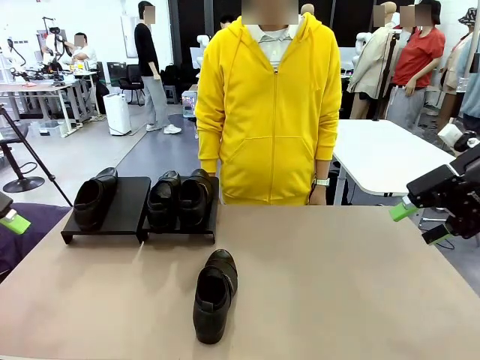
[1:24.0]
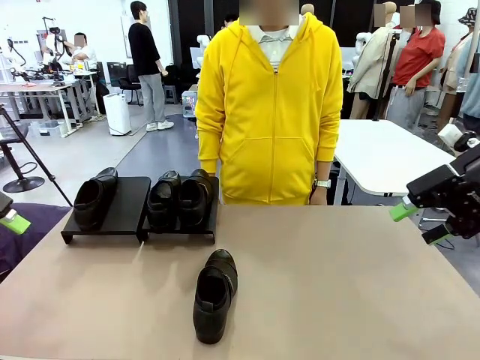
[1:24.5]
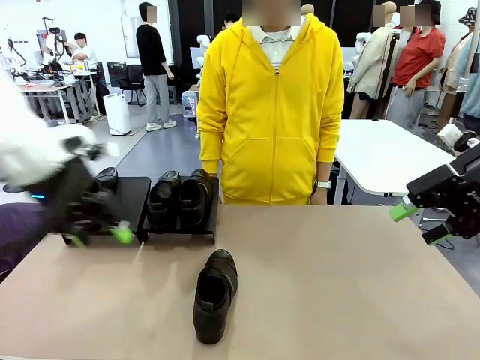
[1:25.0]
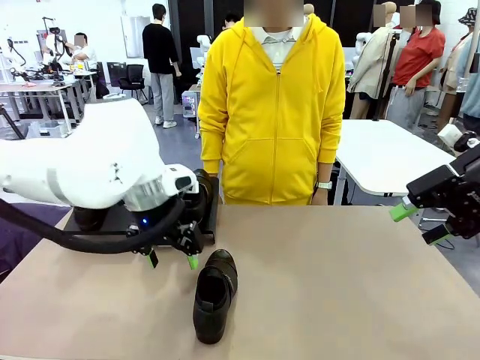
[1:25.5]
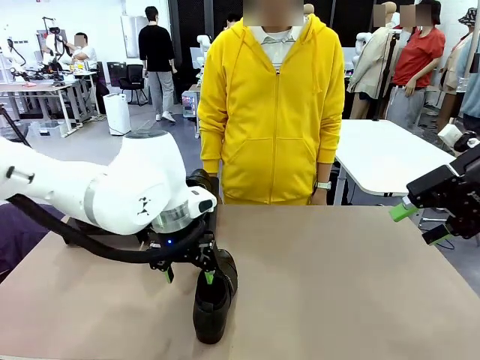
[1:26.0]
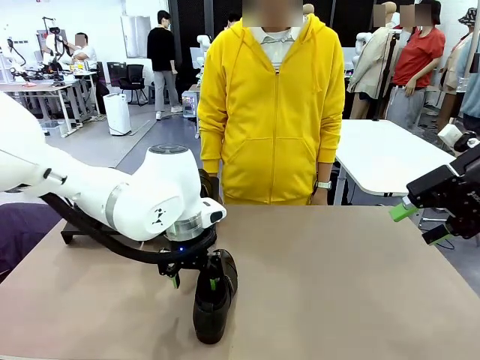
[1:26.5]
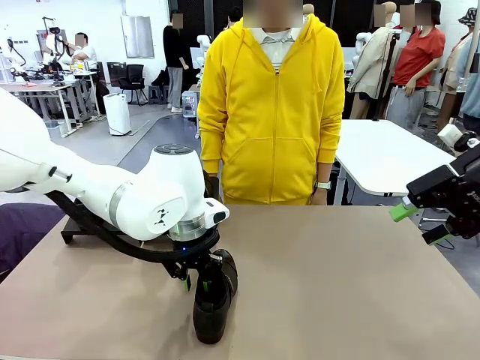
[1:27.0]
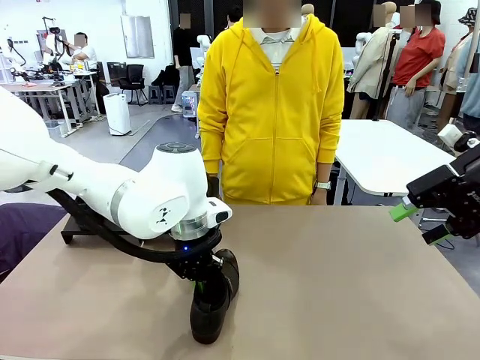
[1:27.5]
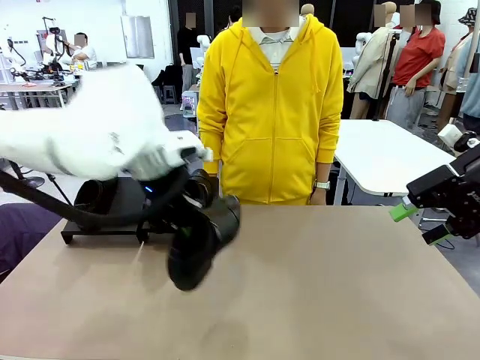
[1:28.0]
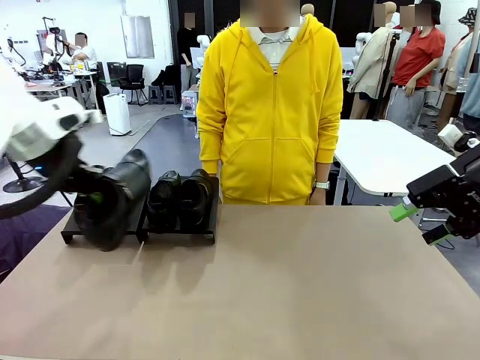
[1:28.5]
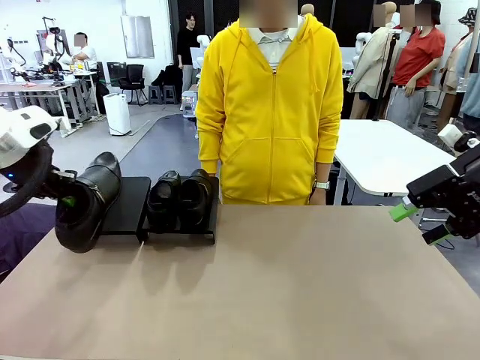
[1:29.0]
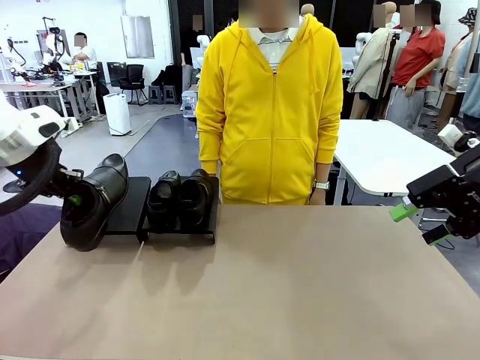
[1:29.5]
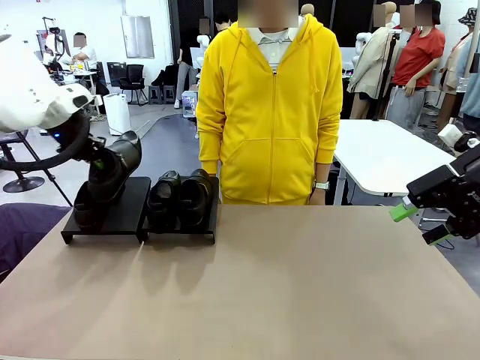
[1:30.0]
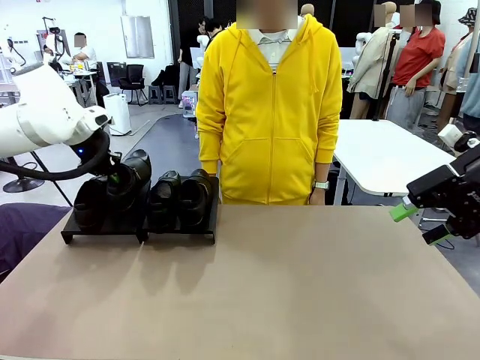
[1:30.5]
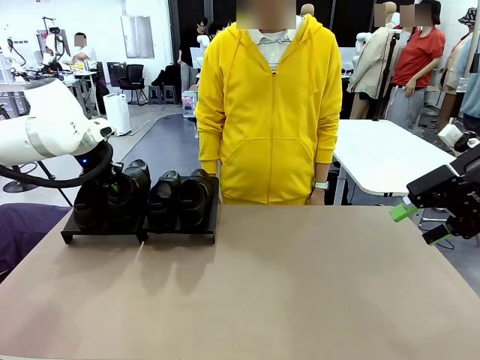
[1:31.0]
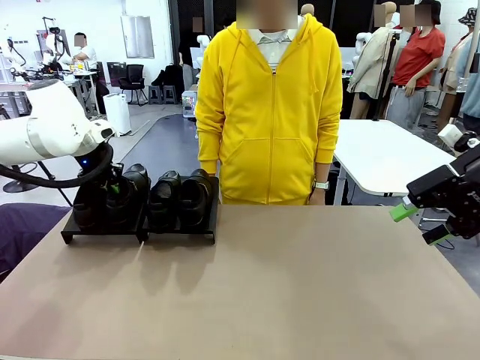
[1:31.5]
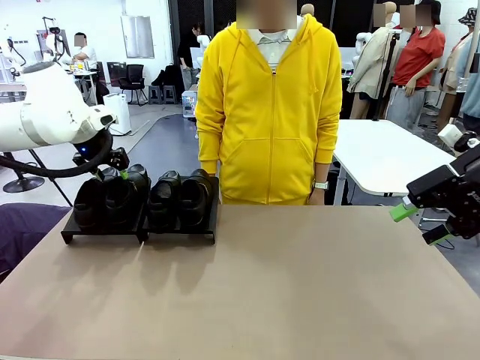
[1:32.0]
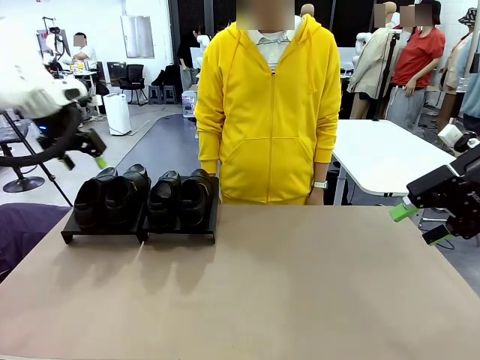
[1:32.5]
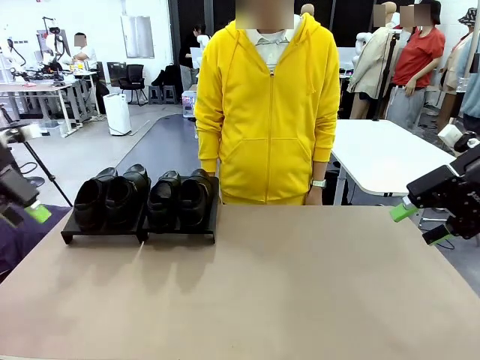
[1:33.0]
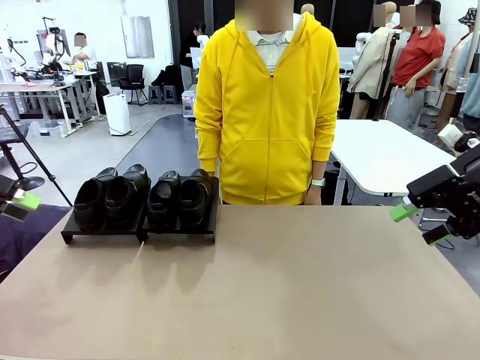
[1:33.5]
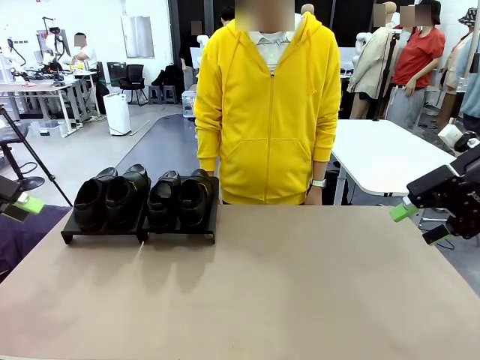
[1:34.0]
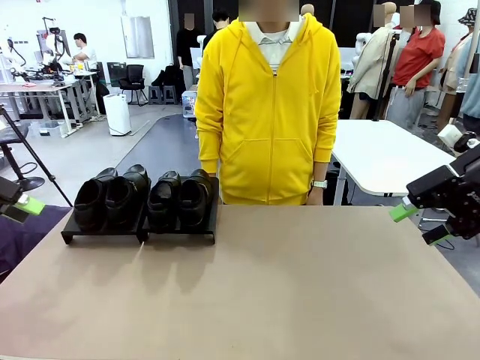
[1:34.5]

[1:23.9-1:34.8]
Task: Organize the shoes by placing them on the stand.
Robot: Place the Shoe from the middle of the table onto the Shoes Stand.

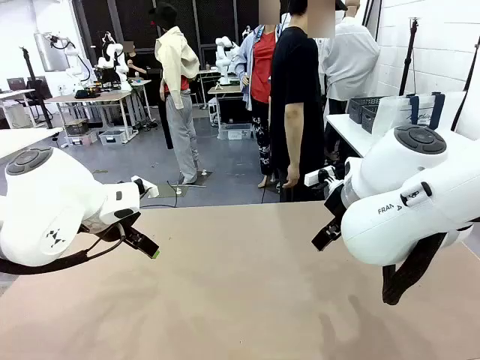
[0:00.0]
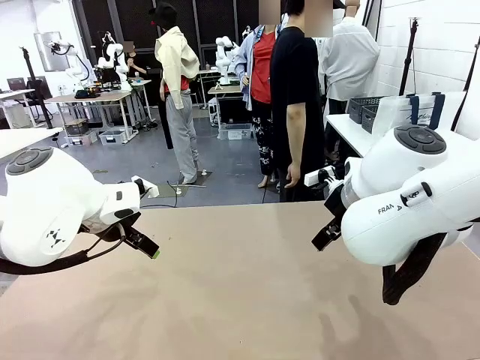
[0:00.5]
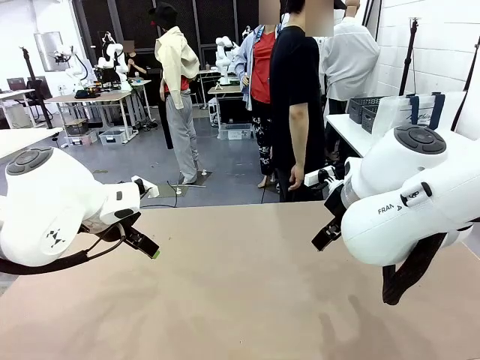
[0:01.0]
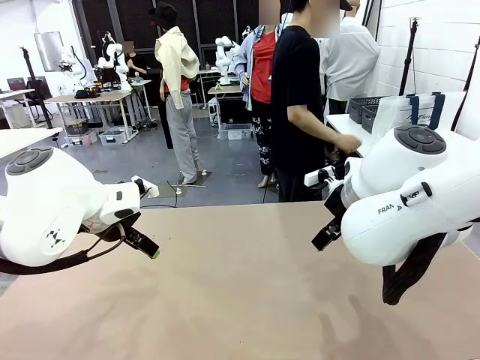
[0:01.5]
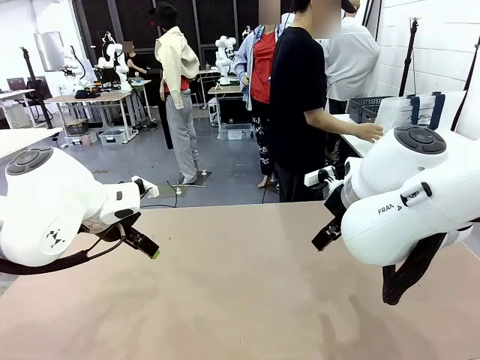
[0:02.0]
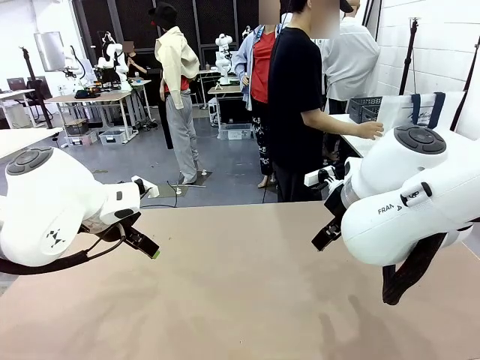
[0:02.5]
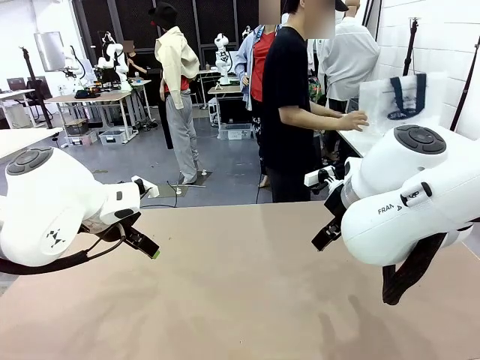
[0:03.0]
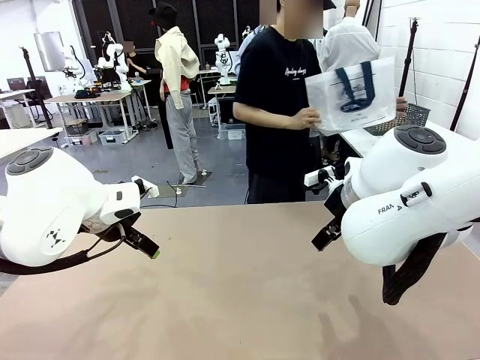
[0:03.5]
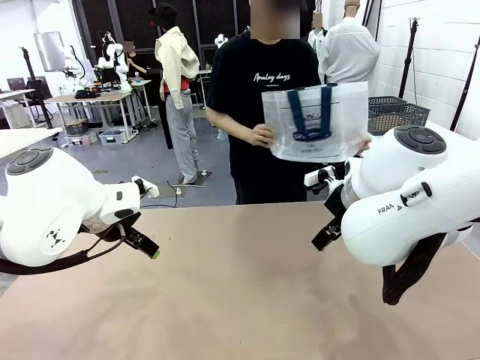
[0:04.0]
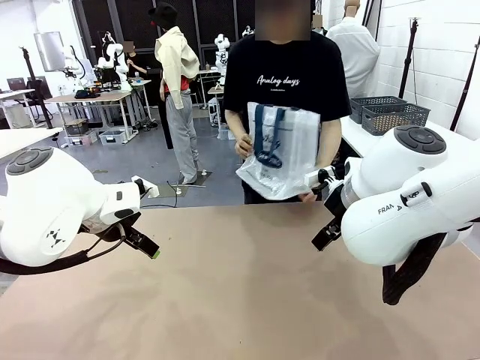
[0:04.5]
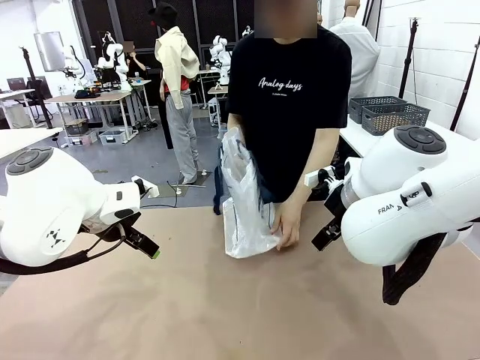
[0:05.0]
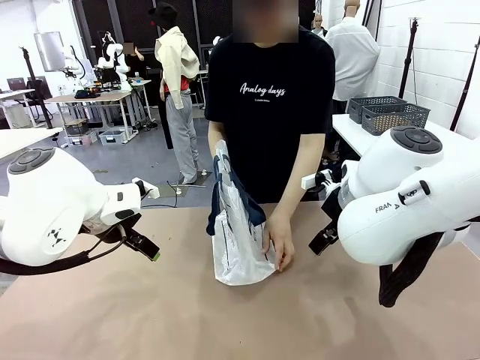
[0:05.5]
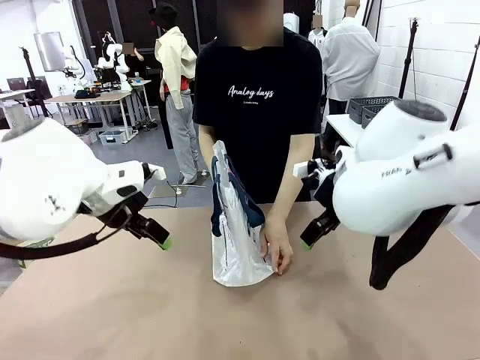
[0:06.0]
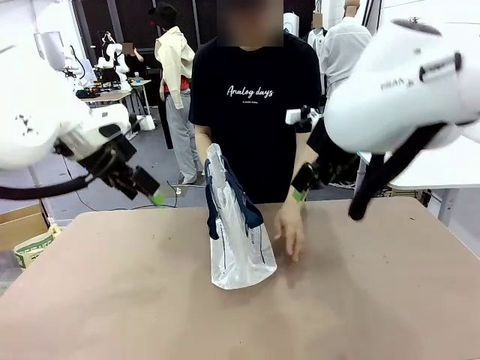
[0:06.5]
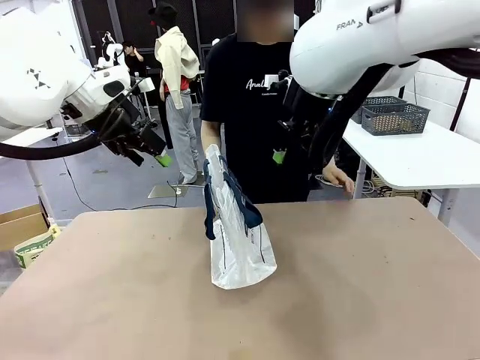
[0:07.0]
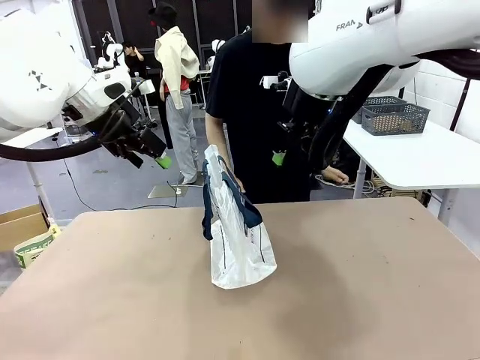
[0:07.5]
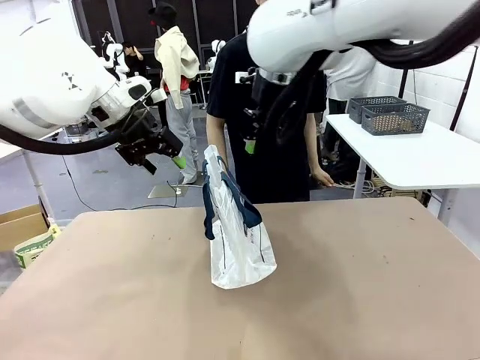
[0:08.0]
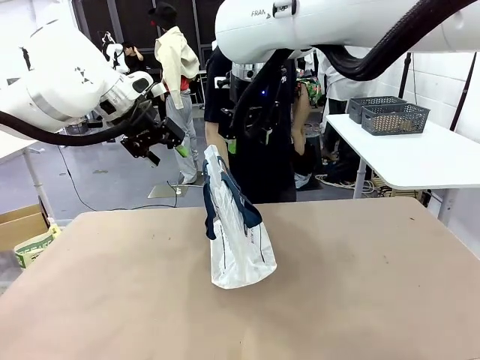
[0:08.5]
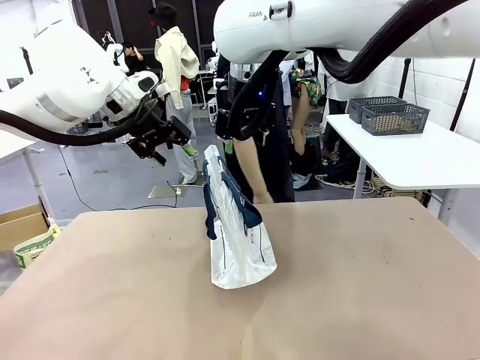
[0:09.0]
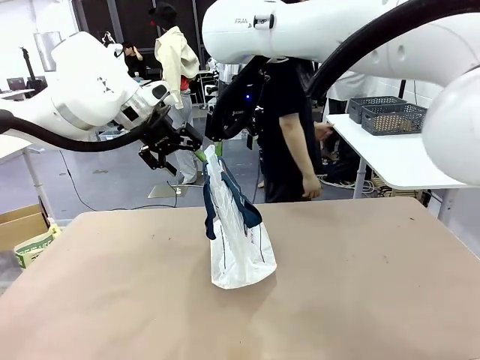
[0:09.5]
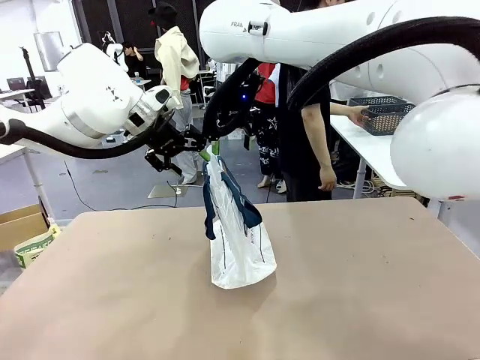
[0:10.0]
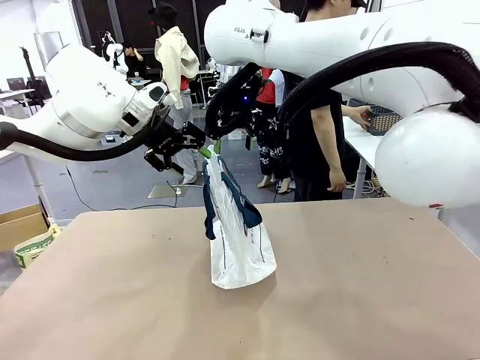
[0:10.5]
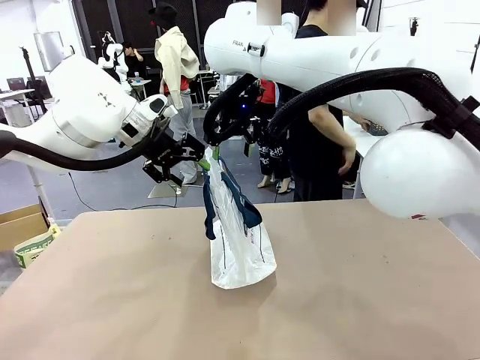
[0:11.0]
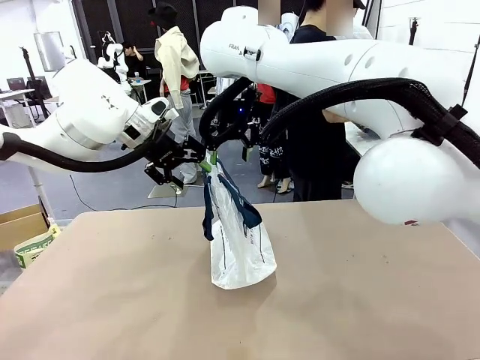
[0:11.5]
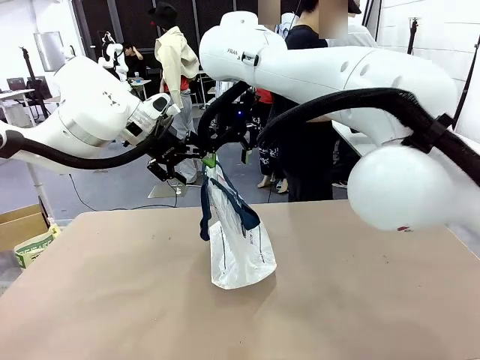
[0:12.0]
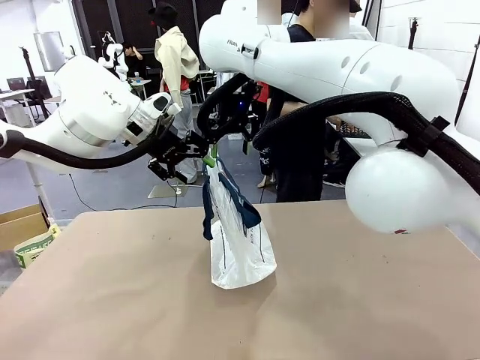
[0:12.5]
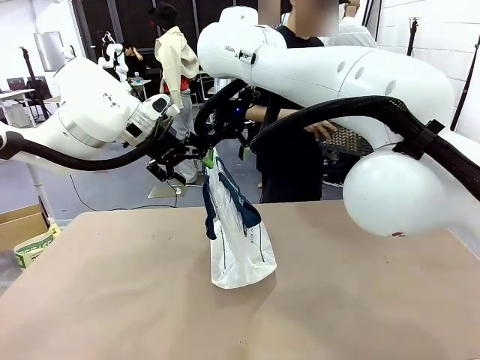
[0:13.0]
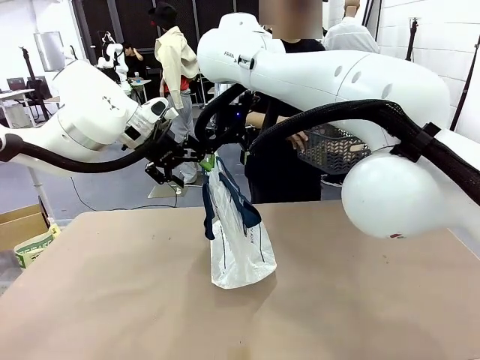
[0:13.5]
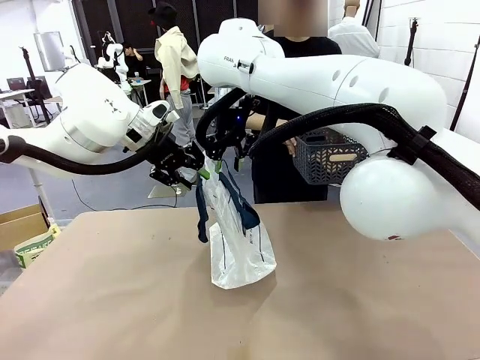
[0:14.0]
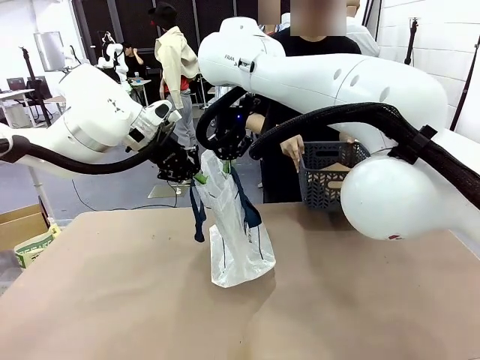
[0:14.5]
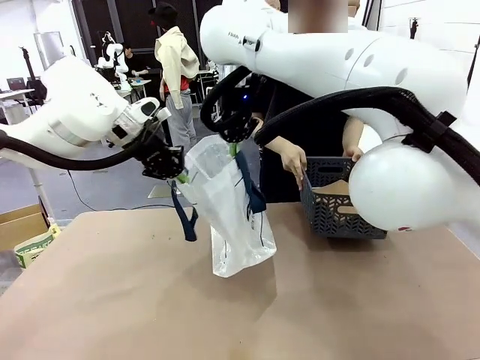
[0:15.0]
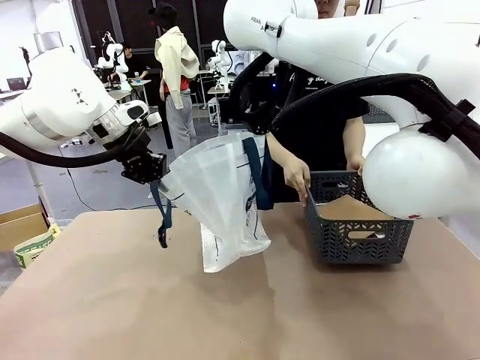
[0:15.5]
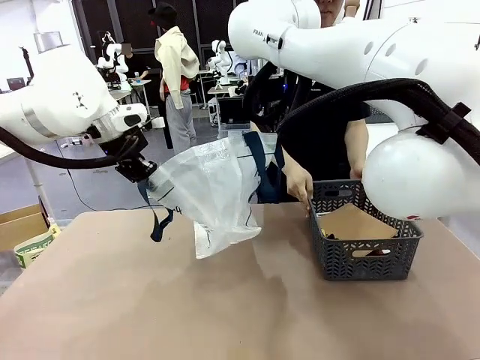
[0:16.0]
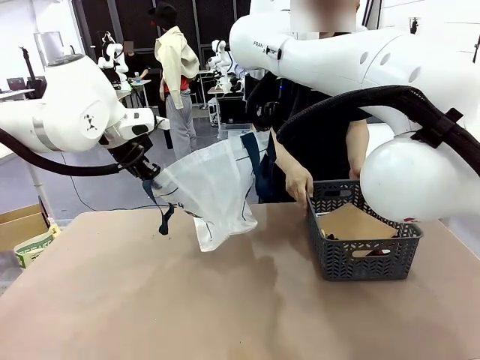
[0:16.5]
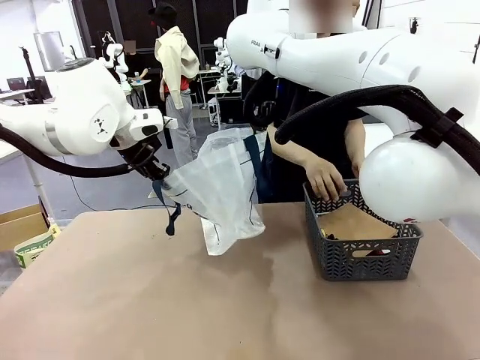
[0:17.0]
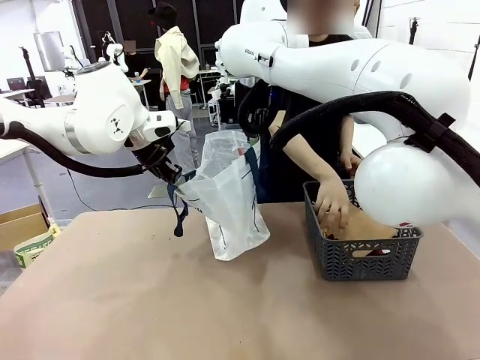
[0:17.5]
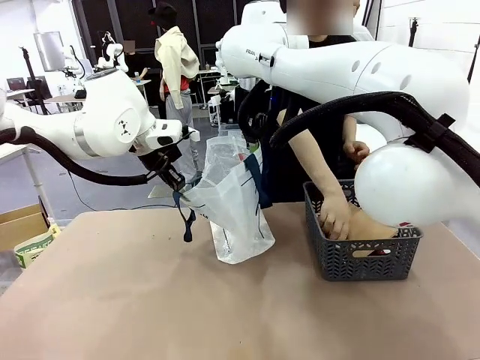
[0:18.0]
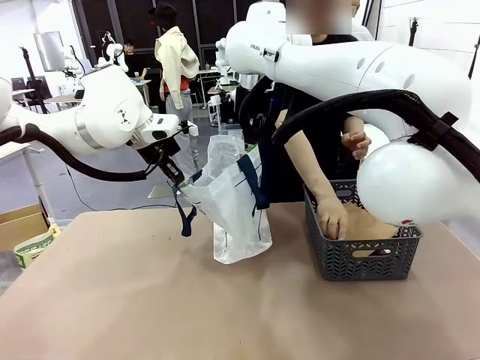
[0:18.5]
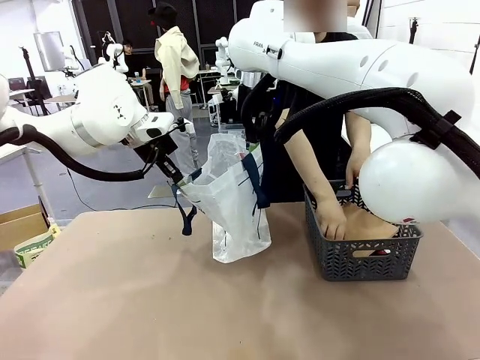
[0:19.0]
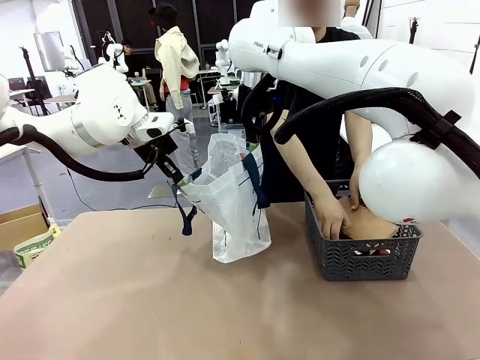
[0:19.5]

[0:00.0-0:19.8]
Task: Transfer purchased items from the store into the shopping bag.
Robot: Open the Reusable shopping bag in the center of the table.
Person: Pick up the shopping bag and place it in the middle of the robot table.
